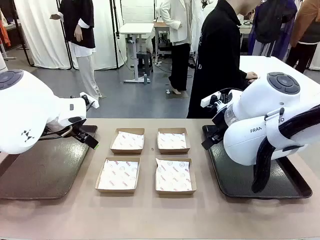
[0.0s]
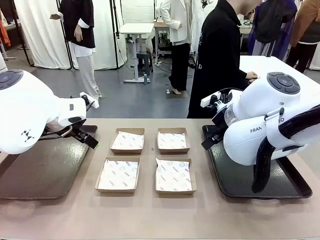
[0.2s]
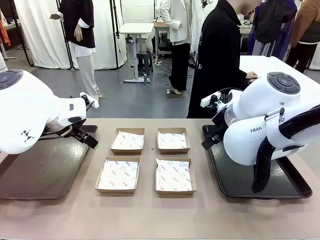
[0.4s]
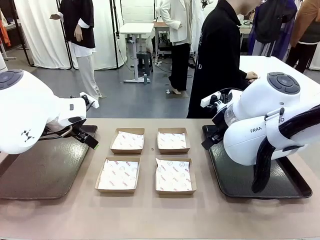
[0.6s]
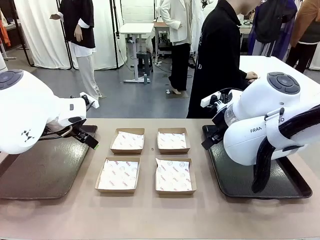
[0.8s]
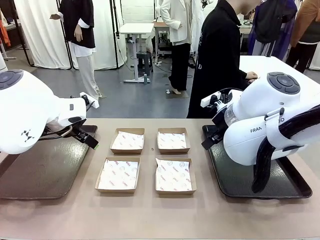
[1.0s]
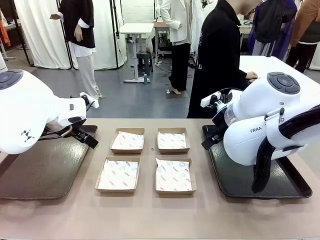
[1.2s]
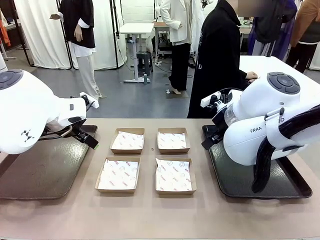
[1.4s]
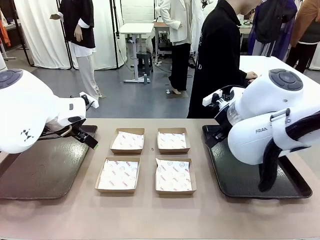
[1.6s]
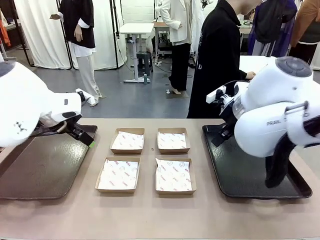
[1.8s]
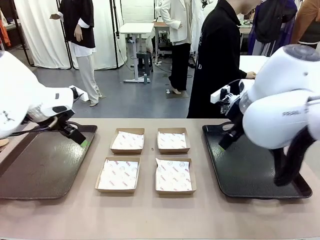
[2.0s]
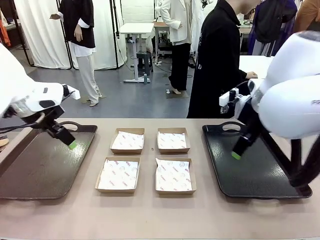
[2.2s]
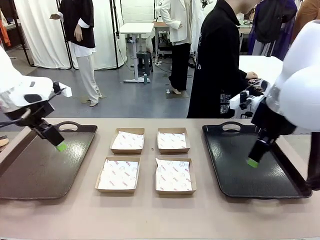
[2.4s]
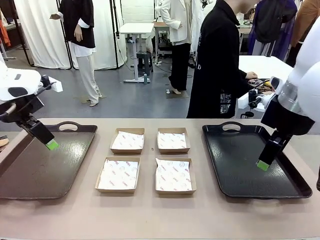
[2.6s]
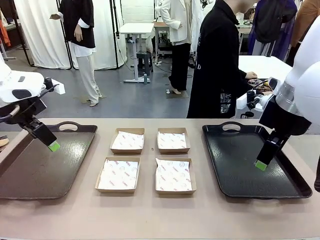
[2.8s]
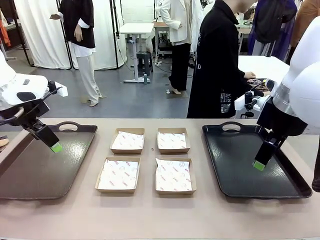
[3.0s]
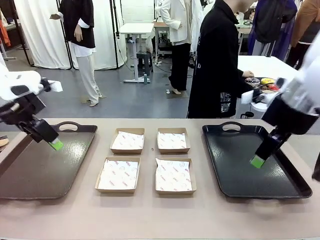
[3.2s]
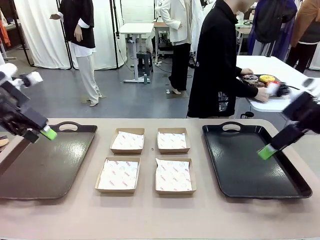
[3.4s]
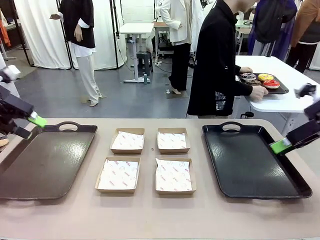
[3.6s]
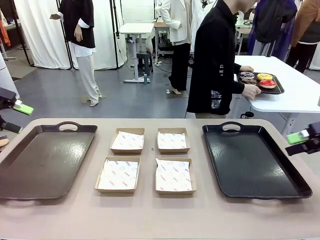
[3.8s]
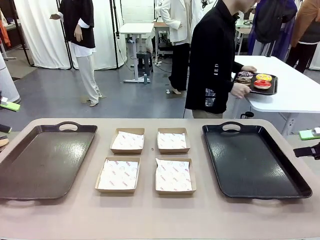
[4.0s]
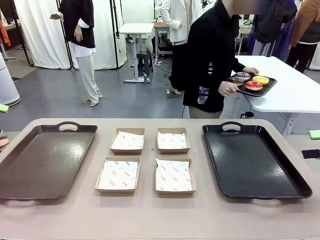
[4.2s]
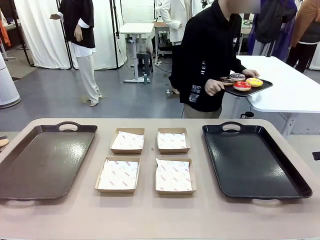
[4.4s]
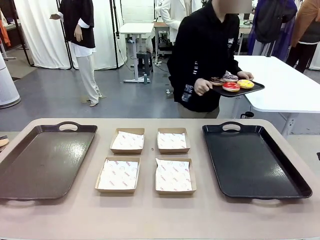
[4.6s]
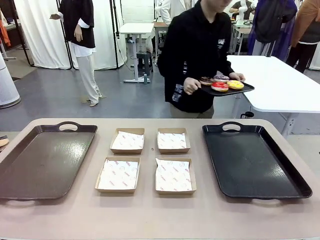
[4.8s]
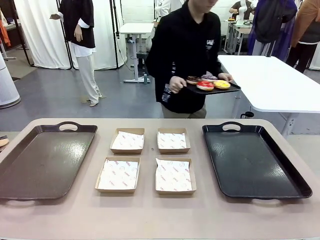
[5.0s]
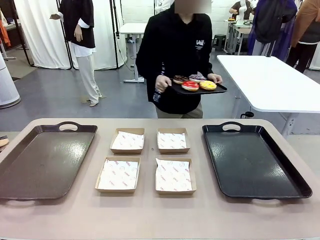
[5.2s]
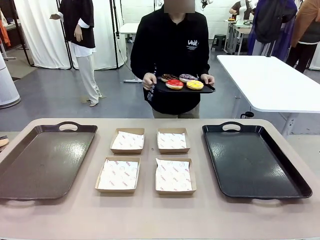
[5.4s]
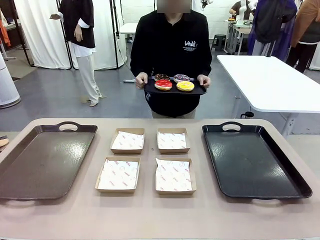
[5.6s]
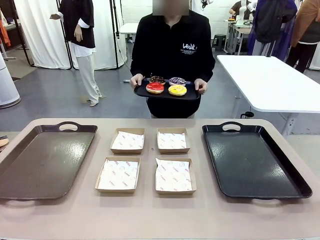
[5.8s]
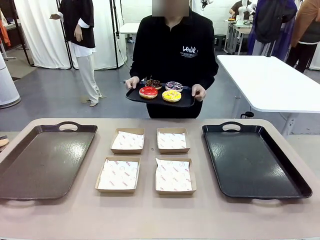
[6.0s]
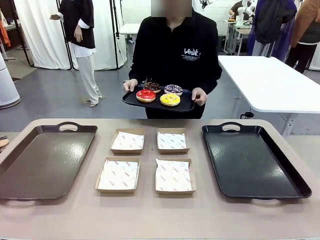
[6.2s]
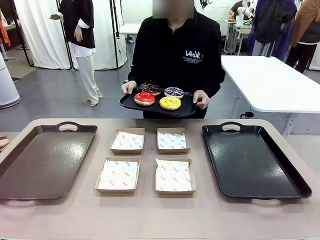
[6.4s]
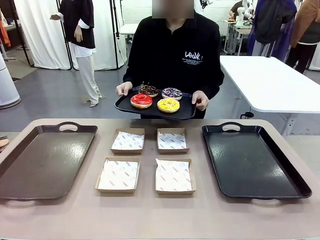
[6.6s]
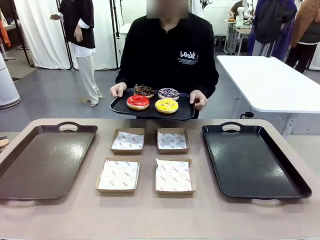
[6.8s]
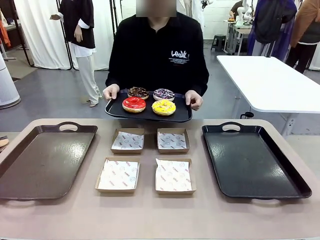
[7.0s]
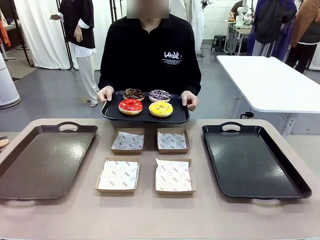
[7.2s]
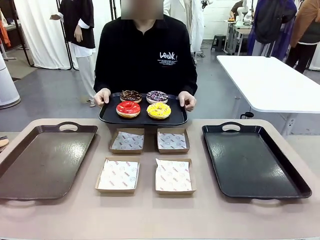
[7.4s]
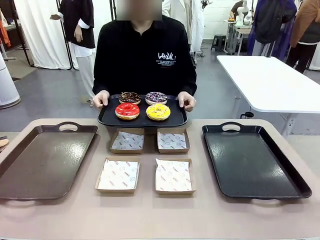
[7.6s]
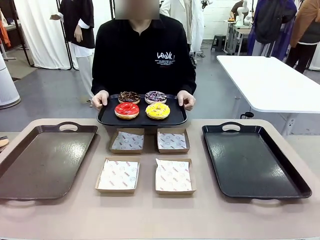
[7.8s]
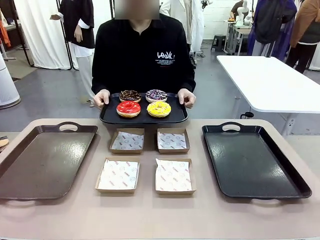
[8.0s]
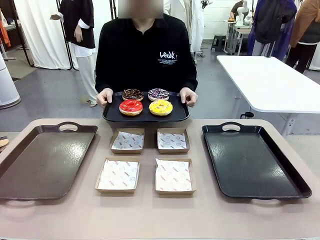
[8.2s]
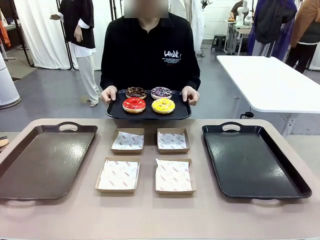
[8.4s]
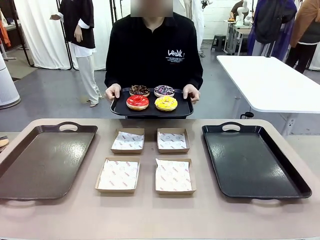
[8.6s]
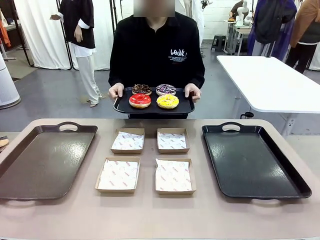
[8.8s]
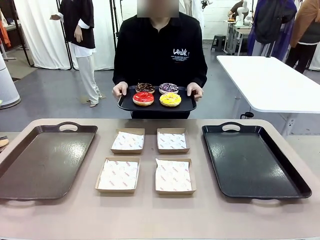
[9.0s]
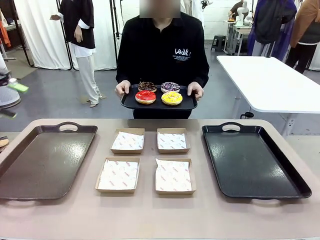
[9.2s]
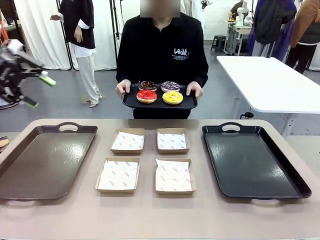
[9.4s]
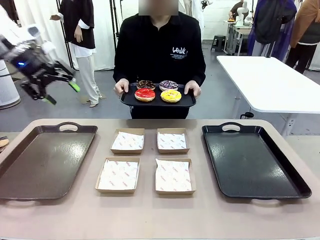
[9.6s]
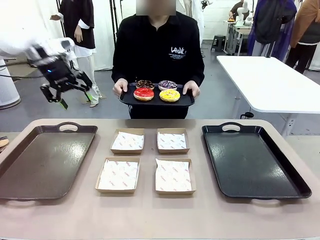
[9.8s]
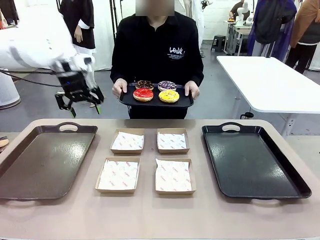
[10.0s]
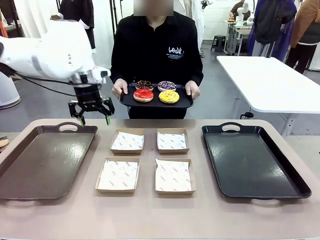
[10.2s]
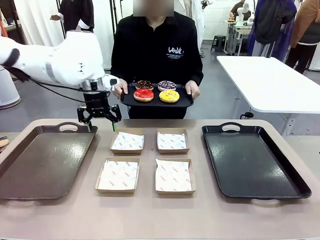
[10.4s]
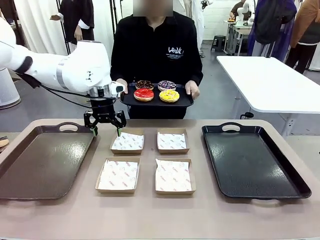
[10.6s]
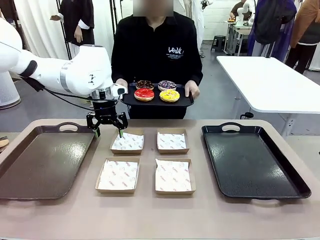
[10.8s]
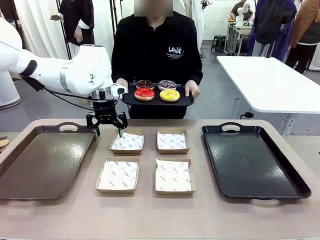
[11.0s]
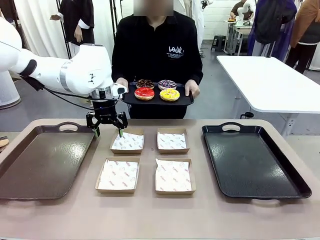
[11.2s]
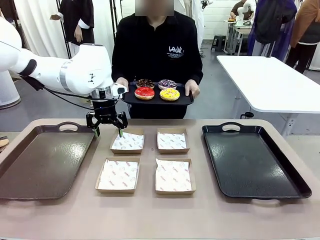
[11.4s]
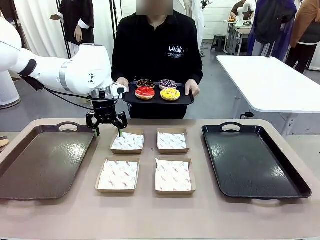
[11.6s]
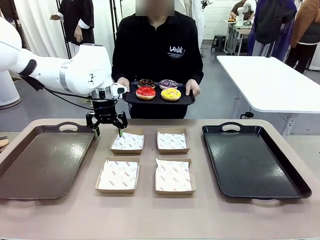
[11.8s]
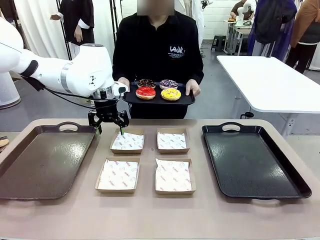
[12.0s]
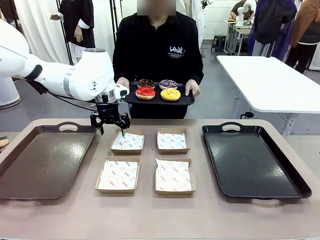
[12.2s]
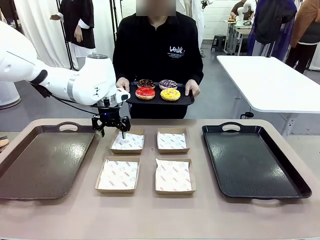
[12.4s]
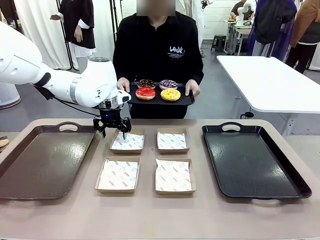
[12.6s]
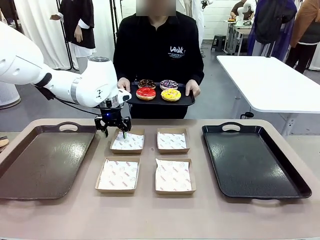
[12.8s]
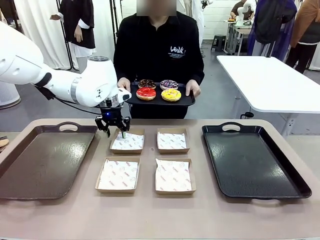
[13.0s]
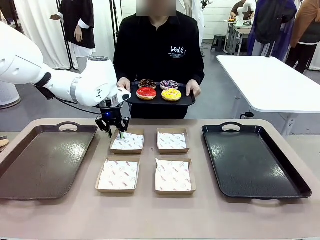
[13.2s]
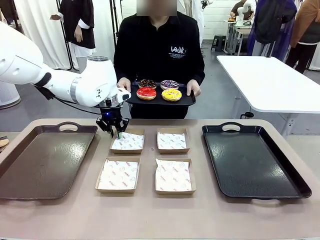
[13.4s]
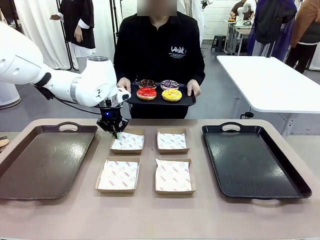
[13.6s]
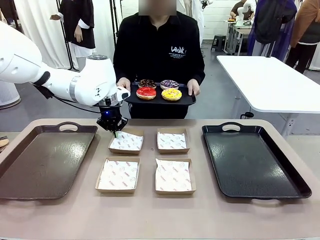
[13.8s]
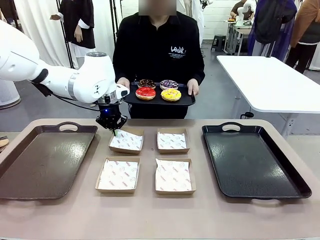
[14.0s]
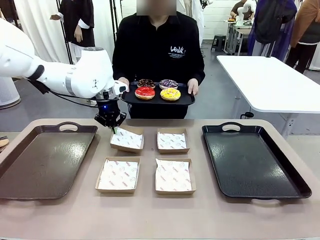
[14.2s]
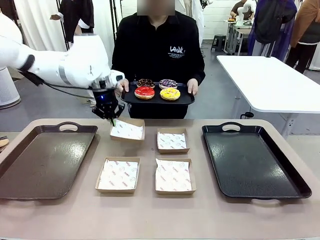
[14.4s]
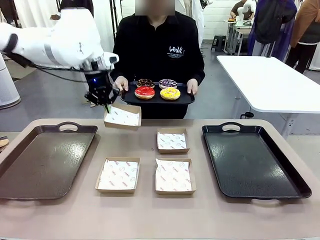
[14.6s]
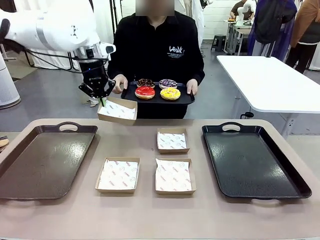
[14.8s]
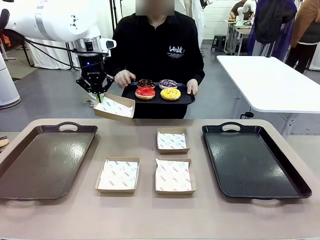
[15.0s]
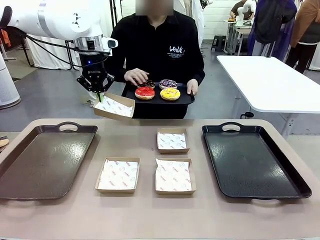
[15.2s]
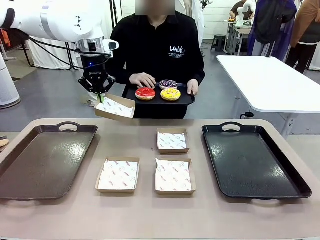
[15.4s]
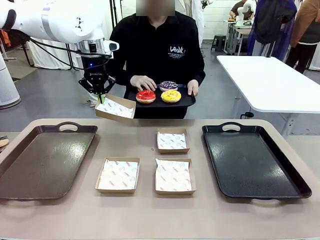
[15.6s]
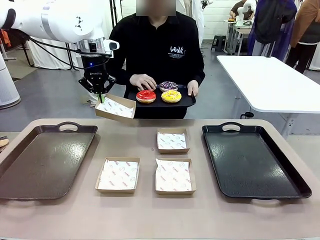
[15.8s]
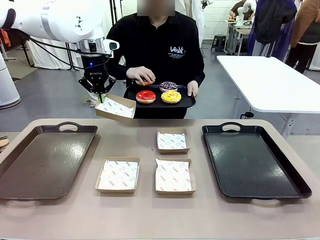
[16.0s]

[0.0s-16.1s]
Task: Individually package the donuts and arrange them on the tray.
Robot: Pick up one Paper togo box.
Person: Stand in front of the robot table holding the tray containing the donuts.
